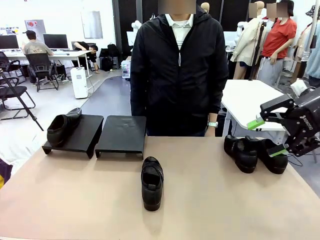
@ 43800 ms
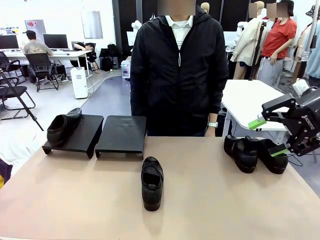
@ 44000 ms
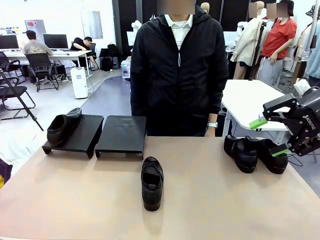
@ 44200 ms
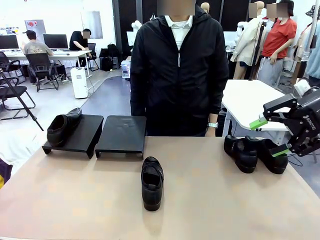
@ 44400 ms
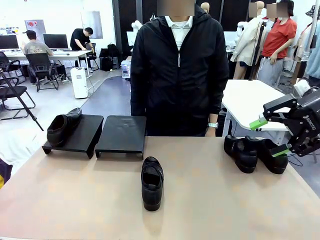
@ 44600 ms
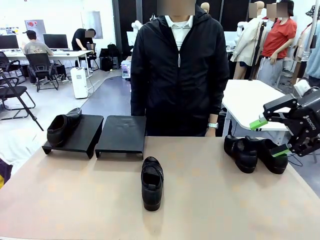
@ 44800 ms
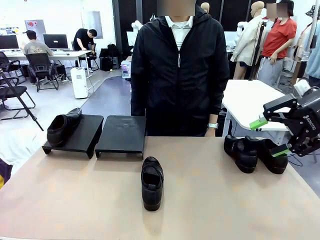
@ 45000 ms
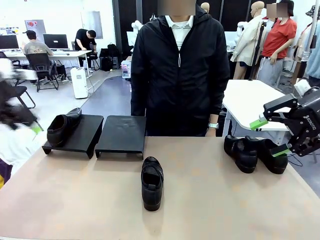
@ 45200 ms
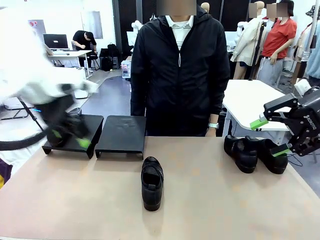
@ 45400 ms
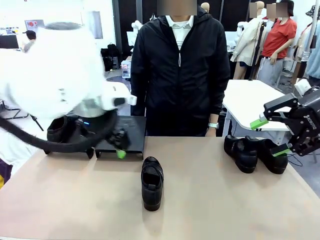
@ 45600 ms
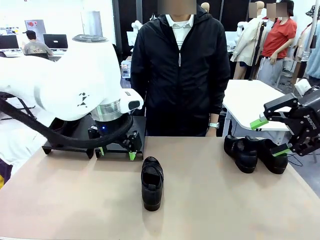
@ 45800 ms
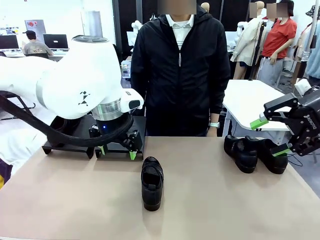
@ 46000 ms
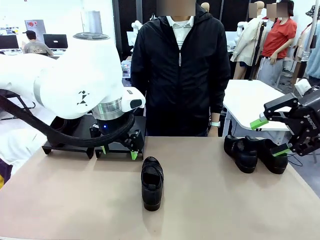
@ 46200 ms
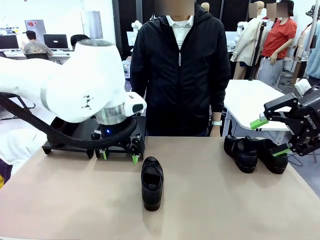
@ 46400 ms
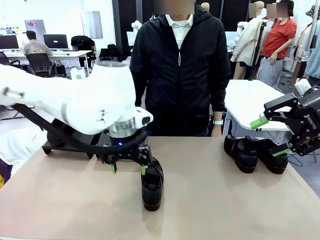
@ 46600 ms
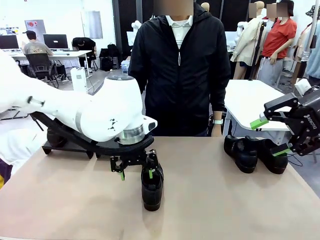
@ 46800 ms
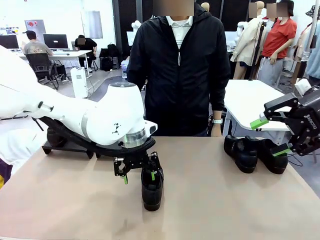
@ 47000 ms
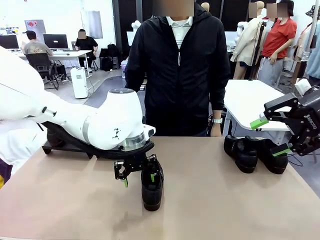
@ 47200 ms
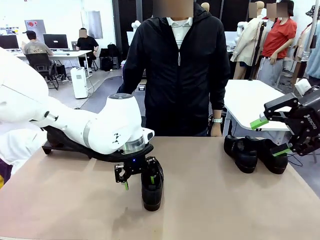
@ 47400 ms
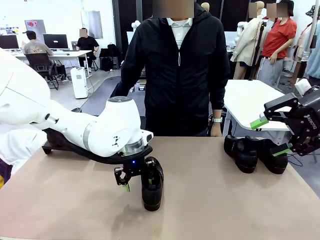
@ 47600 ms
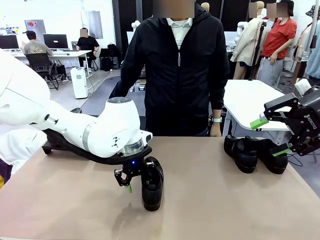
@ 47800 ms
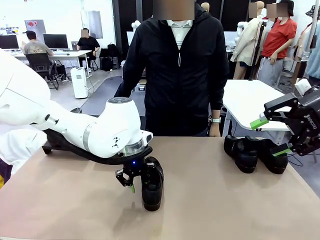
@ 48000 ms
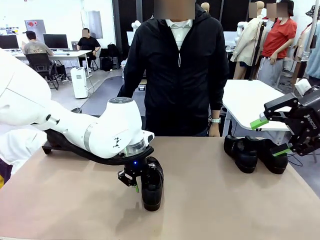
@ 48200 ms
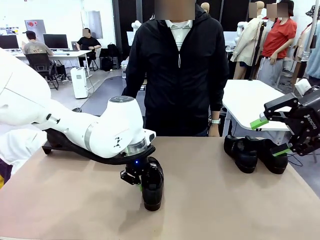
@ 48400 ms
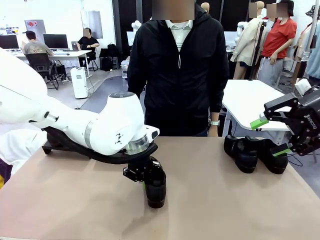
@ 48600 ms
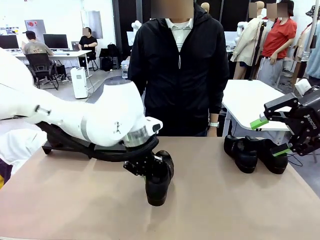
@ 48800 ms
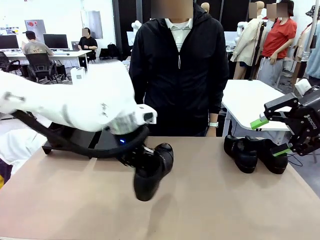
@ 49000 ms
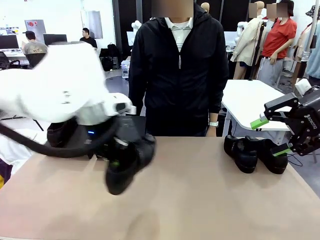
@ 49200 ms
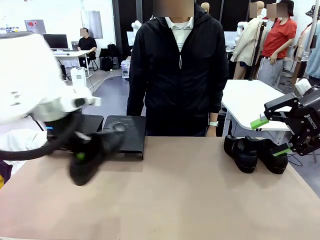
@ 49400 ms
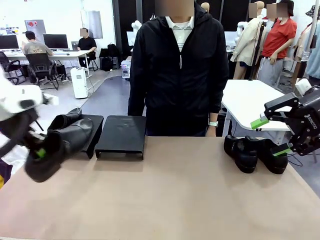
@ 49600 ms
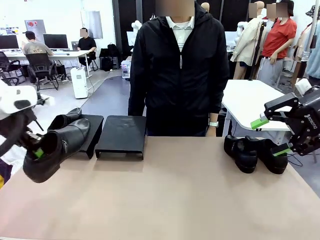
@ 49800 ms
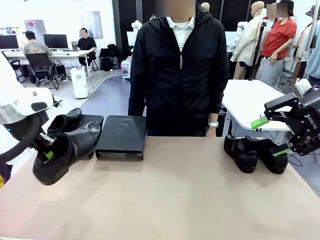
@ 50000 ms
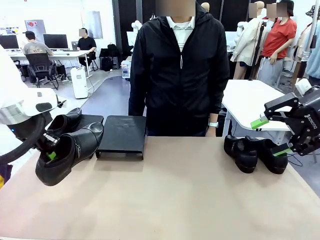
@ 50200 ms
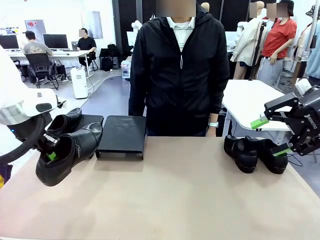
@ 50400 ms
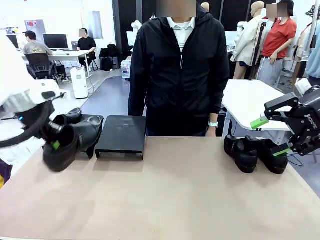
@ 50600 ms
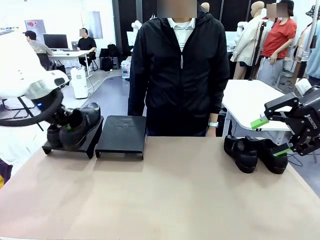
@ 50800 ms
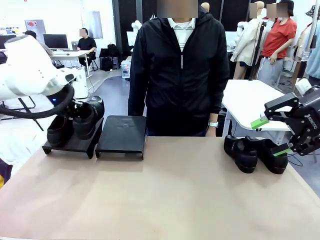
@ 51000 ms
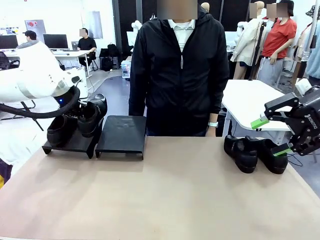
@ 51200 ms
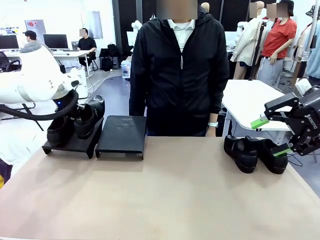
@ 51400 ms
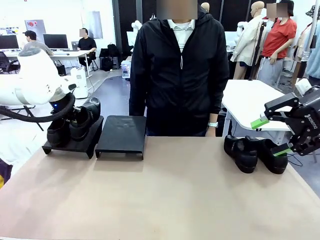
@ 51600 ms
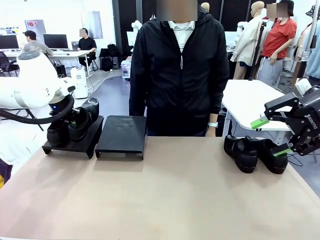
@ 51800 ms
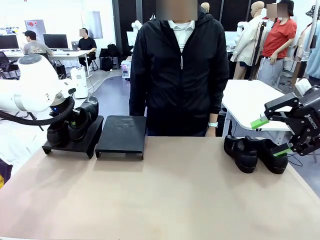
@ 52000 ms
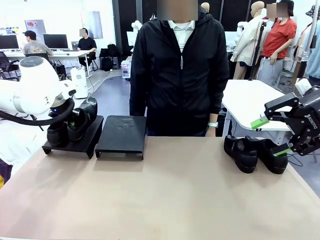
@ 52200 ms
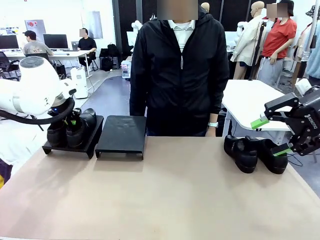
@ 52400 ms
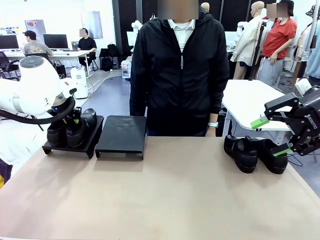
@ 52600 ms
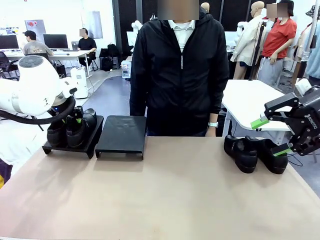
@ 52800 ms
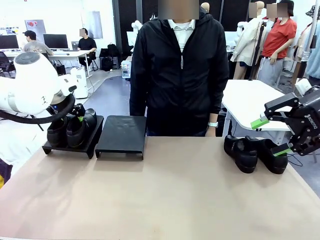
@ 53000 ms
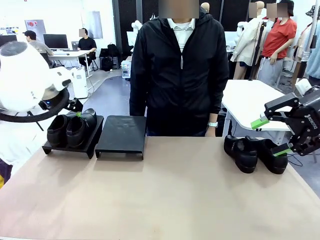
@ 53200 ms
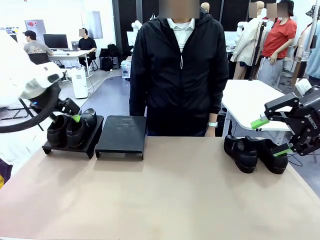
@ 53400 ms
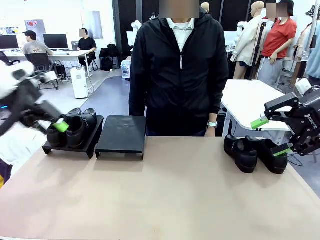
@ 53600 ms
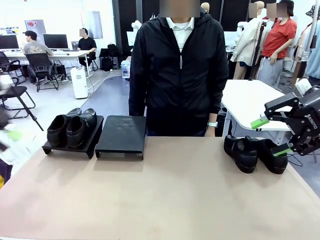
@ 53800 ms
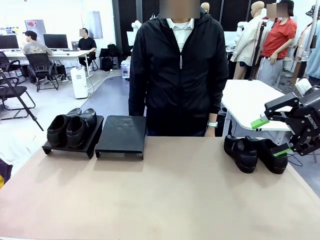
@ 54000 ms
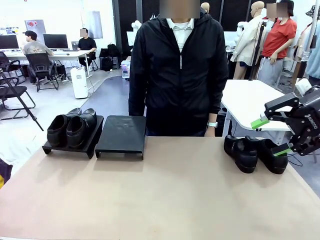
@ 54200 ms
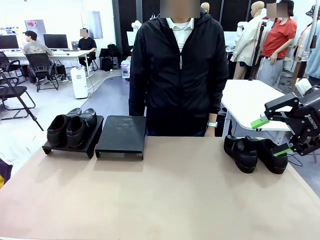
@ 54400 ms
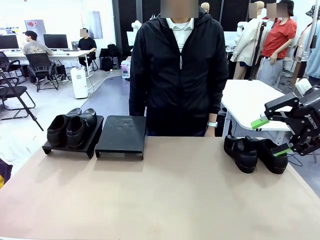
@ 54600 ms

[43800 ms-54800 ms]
Task: Organize the shoes by placing them on the stand.
Robot: Place the Shoe from the middle of the table onto the Shoes Stand.

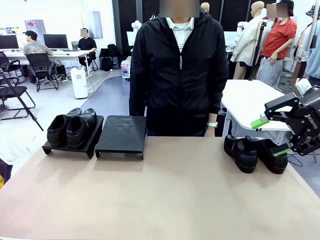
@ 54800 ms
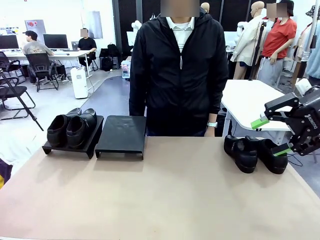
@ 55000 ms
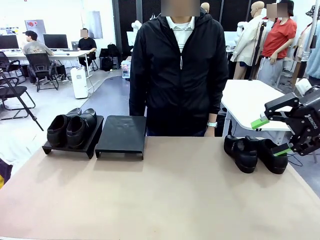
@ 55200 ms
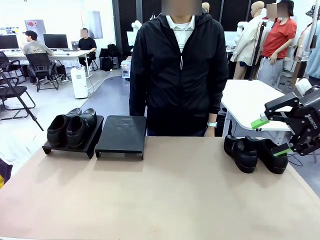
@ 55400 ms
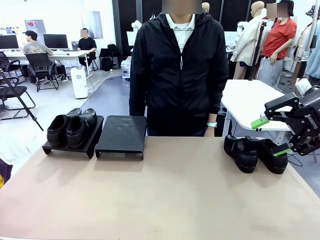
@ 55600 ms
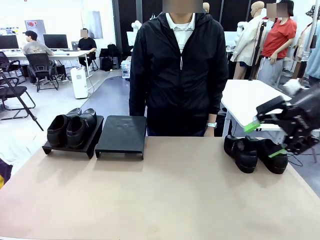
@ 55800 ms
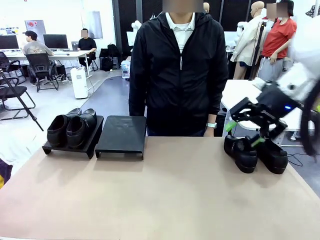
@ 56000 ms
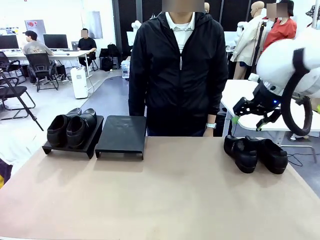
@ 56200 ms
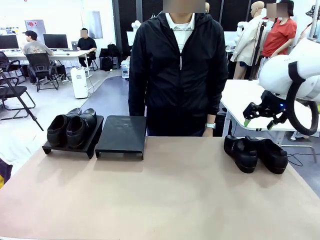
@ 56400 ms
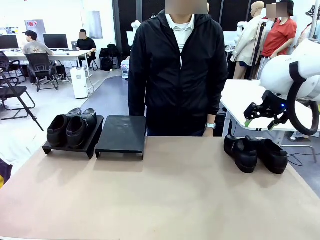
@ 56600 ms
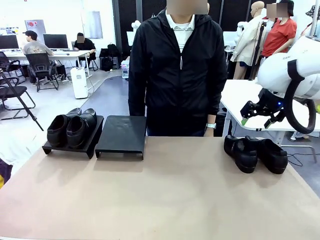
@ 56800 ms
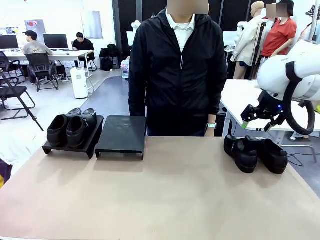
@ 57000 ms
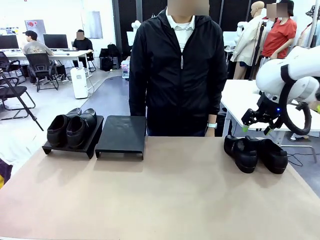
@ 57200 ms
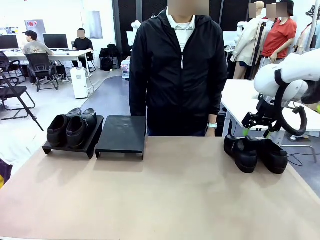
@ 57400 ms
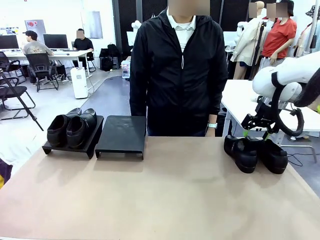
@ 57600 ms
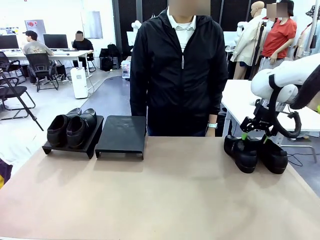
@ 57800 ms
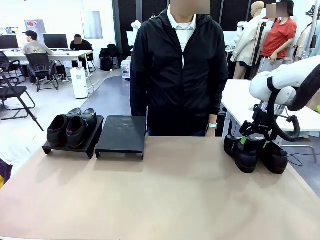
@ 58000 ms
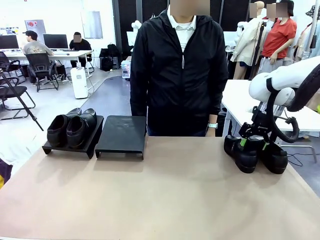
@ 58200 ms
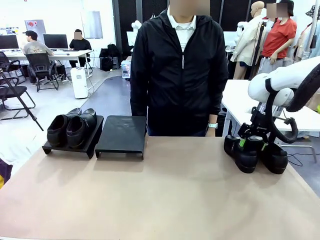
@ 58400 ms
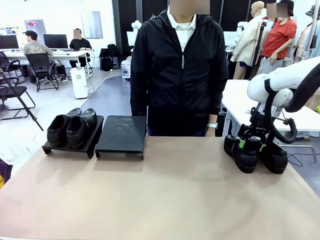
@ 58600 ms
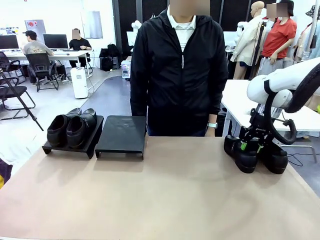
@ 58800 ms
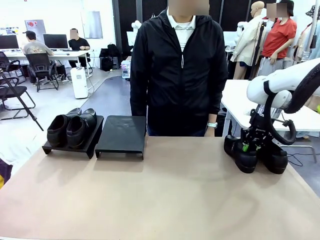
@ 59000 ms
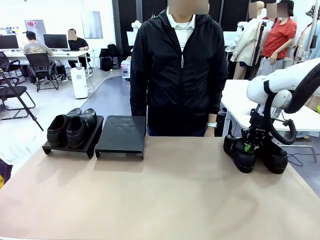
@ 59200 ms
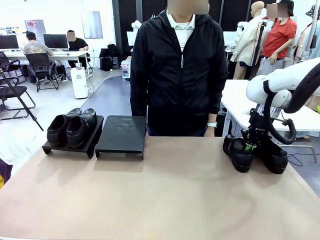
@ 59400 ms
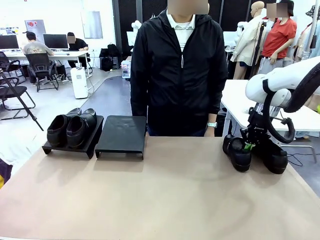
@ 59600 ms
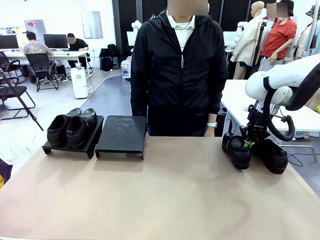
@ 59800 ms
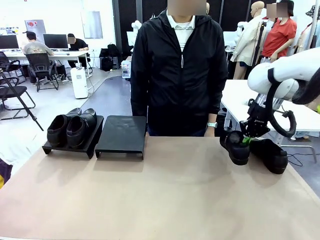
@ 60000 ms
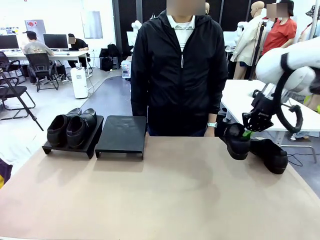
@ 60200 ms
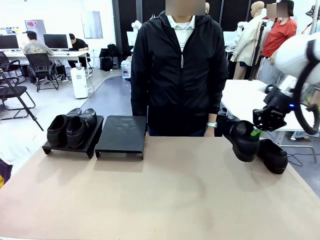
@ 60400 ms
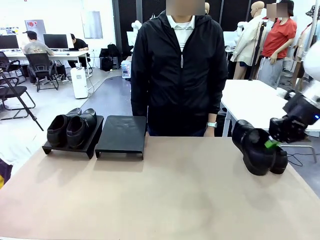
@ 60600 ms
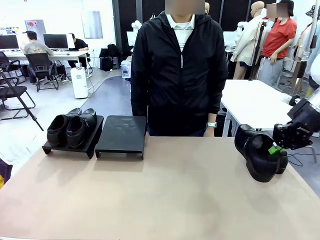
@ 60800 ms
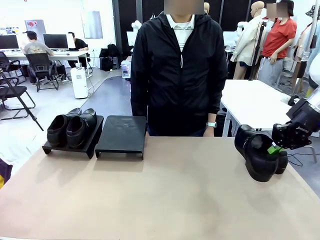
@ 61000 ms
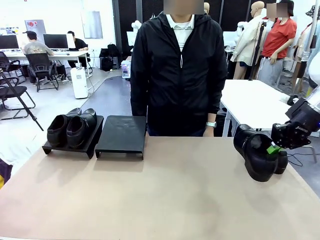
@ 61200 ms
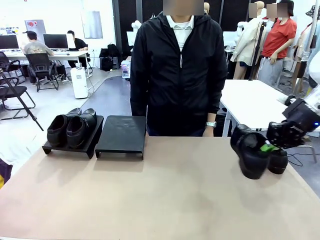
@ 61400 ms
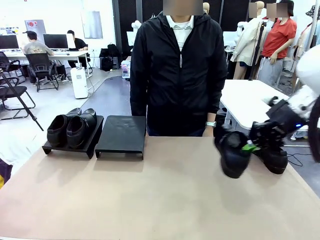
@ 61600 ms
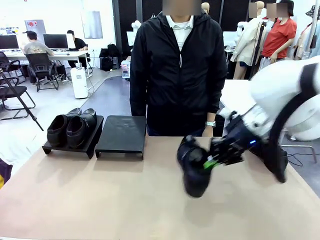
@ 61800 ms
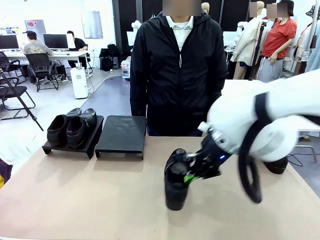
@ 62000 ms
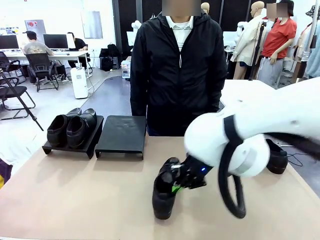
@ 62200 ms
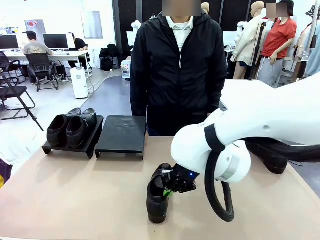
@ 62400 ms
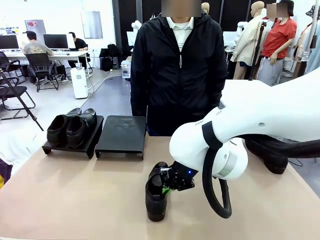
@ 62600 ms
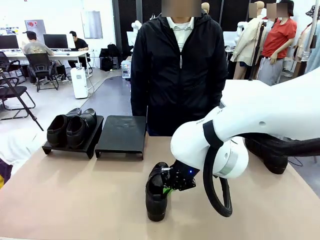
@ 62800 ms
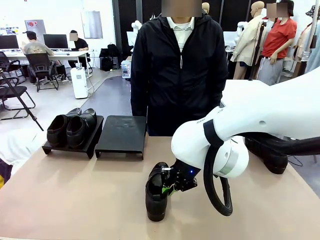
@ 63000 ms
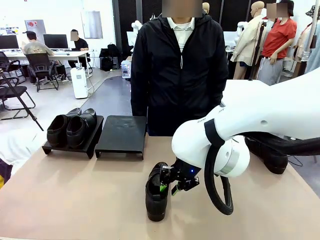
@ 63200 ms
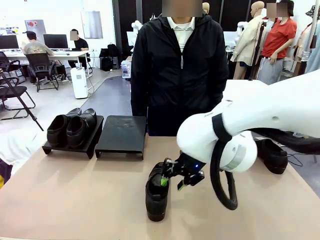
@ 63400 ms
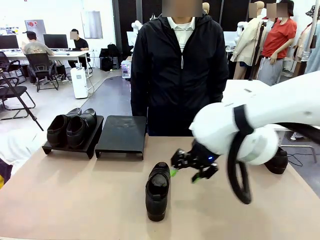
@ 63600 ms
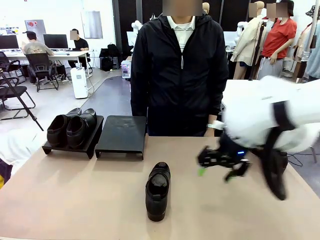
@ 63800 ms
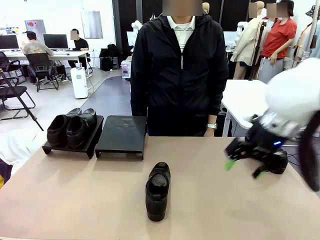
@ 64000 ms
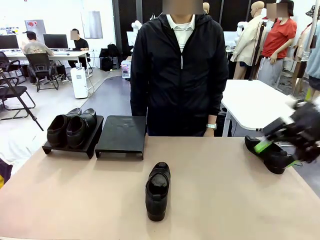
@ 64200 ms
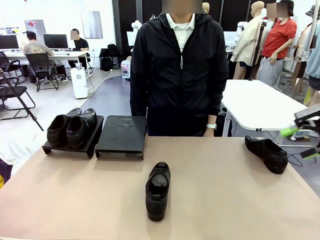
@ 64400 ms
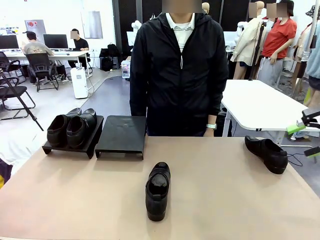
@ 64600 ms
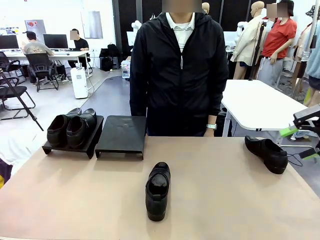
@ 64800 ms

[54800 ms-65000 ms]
Robot: Pick up one Shoe and place it in the middle of the table.
